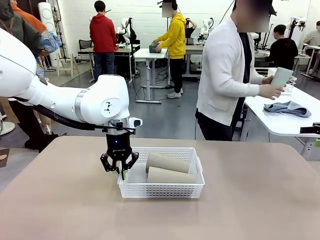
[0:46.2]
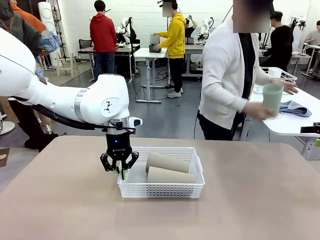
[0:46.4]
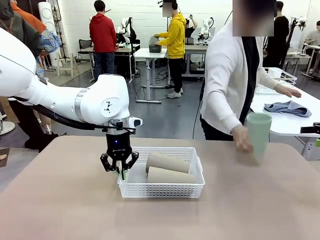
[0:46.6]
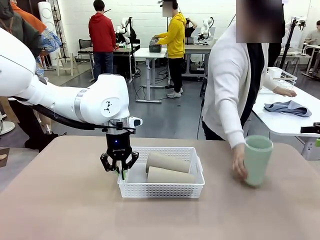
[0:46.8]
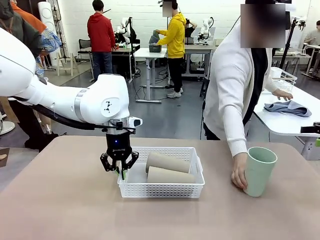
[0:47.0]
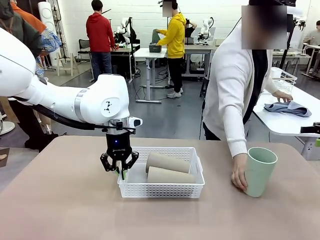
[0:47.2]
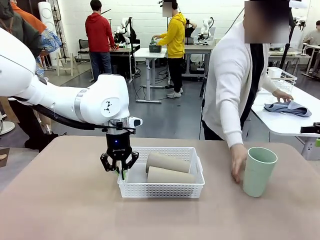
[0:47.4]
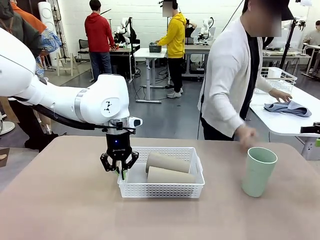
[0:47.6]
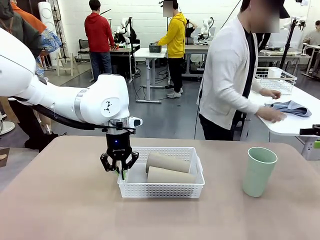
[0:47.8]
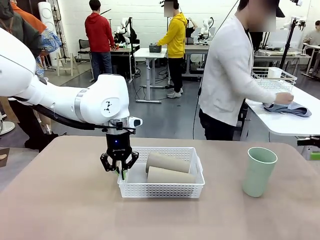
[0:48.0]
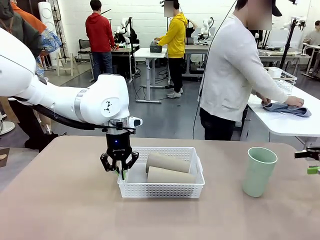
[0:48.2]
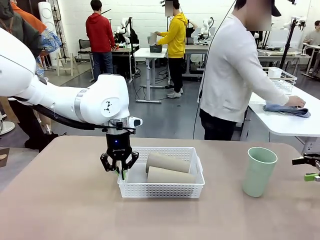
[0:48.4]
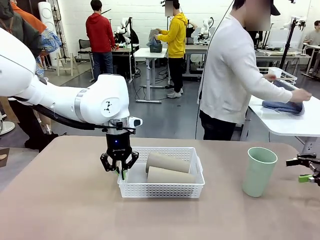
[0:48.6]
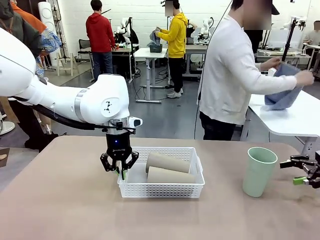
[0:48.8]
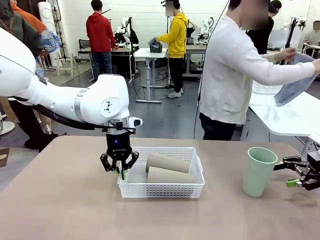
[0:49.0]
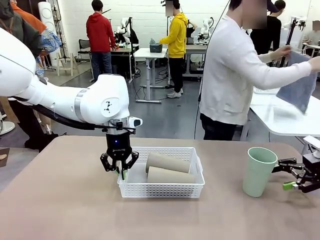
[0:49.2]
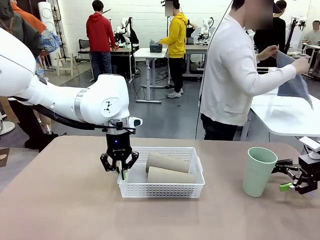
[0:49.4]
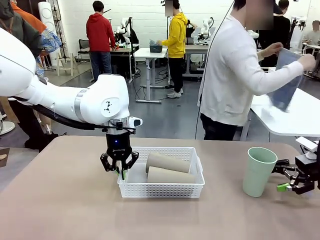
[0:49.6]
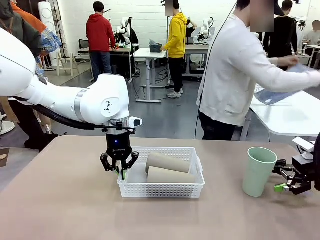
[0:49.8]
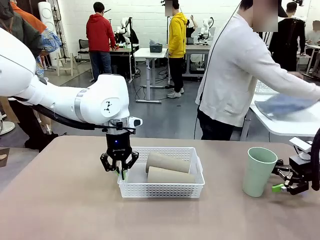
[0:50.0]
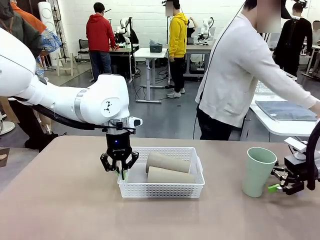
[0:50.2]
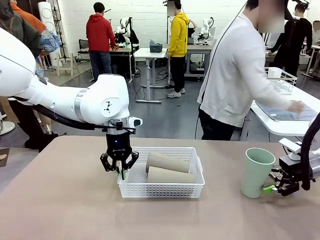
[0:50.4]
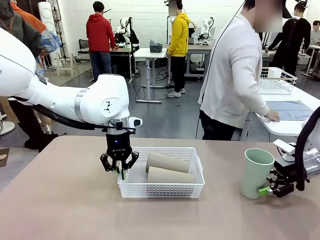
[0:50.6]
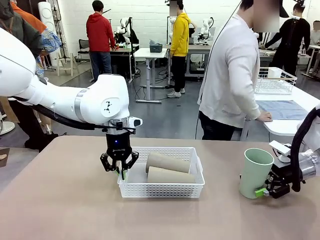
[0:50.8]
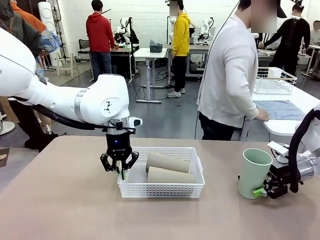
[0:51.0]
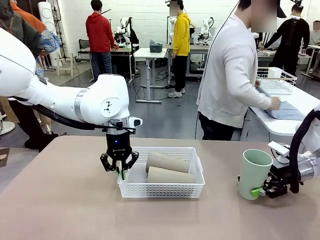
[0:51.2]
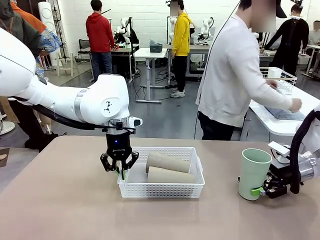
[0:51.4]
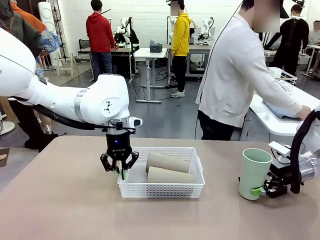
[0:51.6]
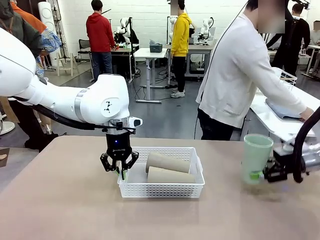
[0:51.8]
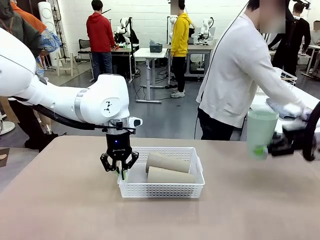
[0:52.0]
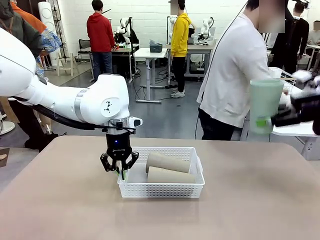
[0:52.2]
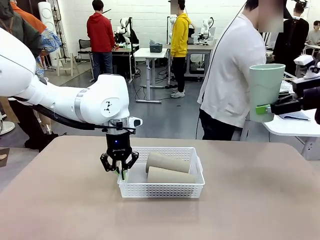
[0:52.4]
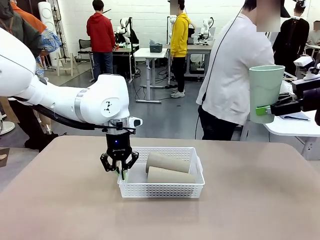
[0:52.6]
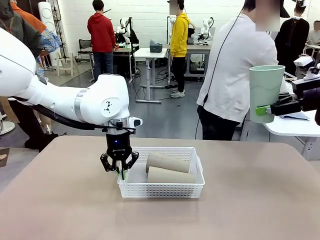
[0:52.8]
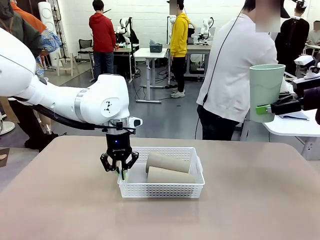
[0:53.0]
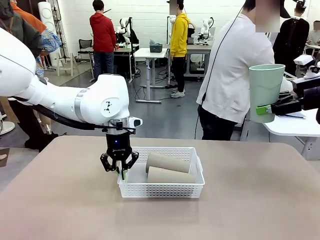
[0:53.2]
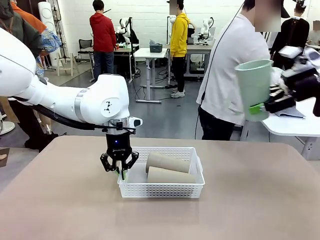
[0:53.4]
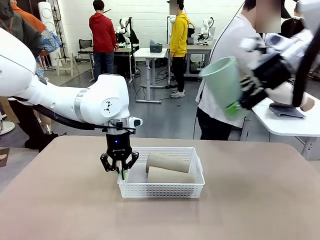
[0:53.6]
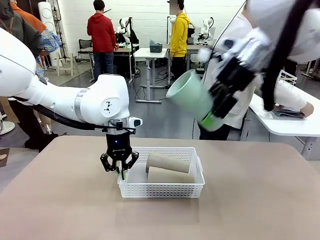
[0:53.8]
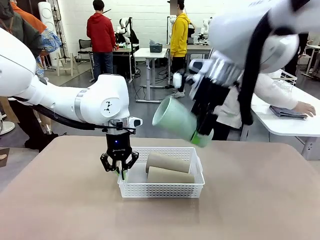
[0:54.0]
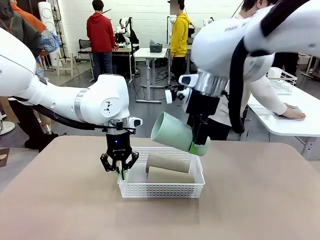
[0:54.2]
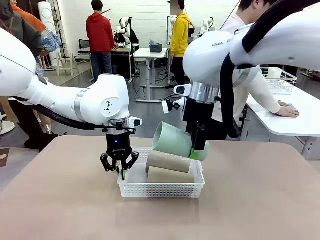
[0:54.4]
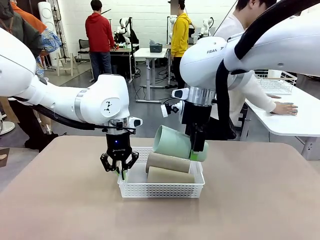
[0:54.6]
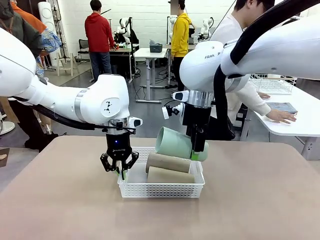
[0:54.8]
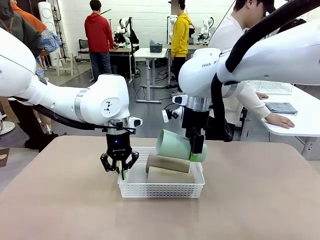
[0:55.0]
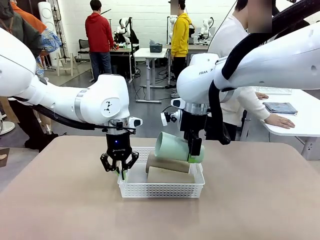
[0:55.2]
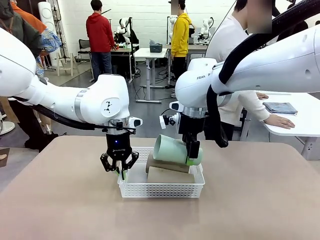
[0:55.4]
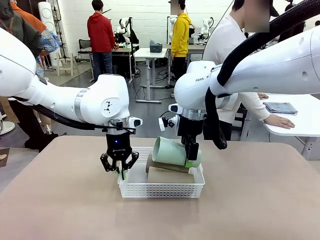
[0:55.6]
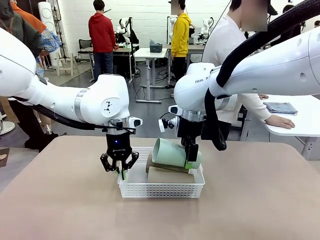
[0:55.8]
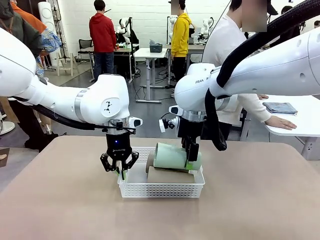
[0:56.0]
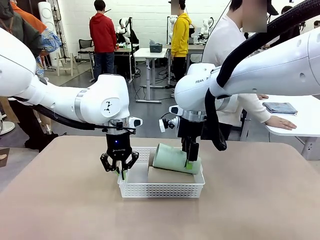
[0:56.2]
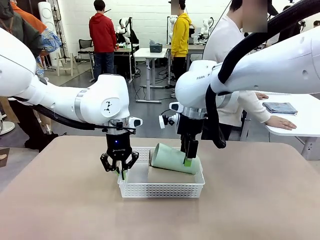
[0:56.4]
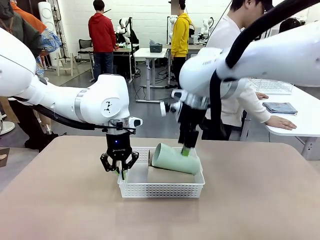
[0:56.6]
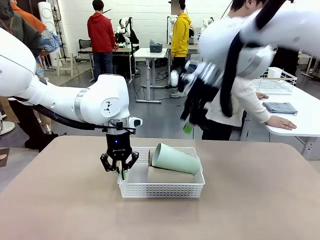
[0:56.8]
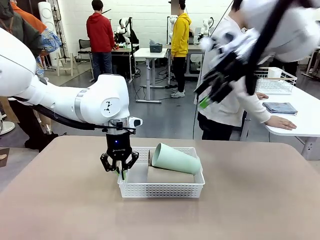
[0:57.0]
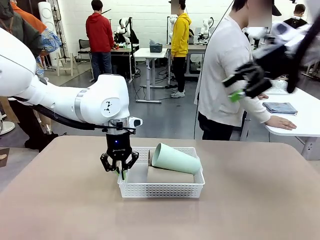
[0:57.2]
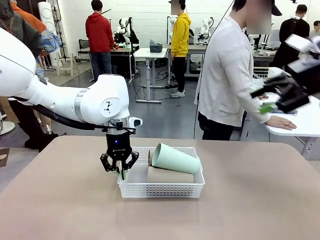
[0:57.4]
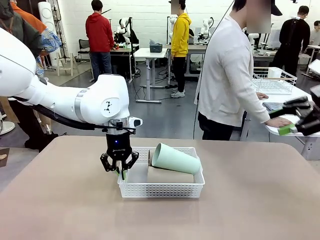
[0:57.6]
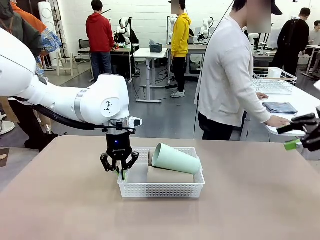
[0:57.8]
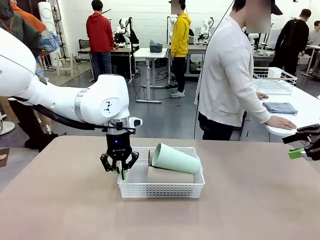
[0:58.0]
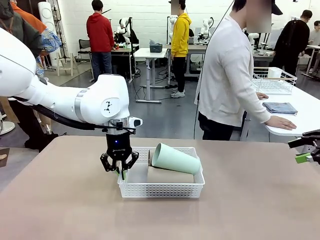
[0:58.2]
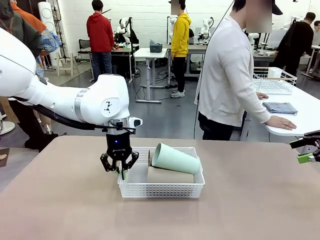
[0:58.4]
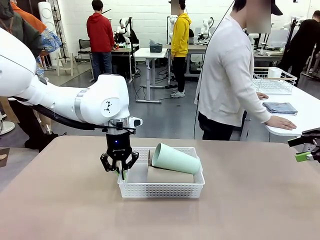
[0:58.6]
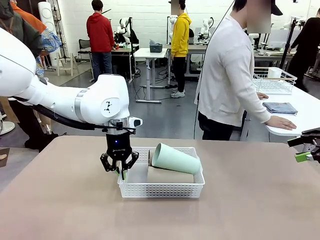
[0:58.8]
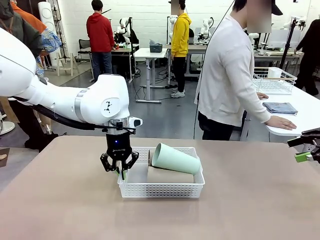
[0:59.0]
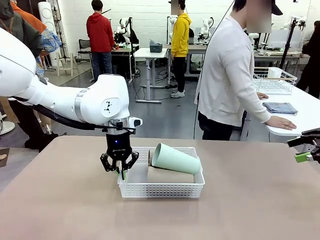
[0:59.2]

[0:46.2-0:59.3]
Task: Clean and organize the cups into the basket.
Robot: Pick up the Reusable plastic cup from the right side of the table and stack it inside the Organizing basket in the center of the table.

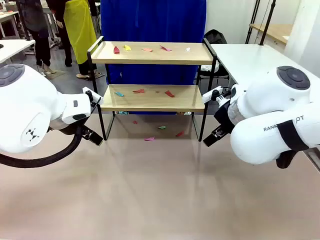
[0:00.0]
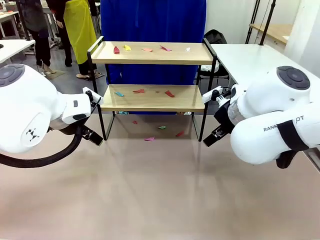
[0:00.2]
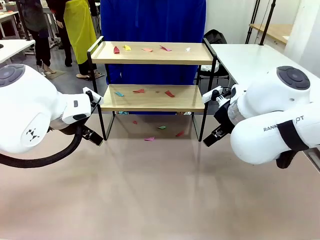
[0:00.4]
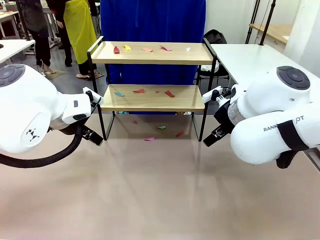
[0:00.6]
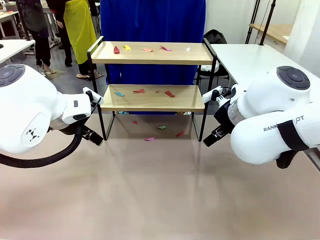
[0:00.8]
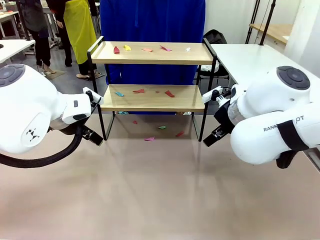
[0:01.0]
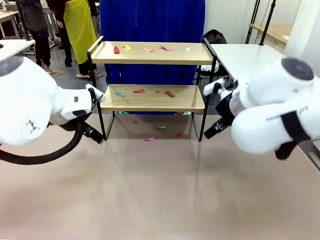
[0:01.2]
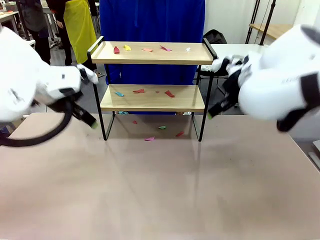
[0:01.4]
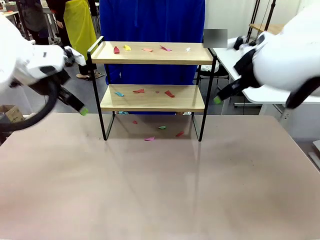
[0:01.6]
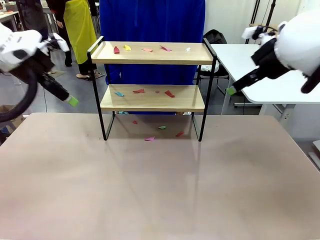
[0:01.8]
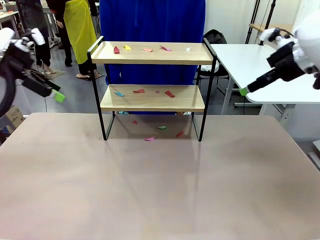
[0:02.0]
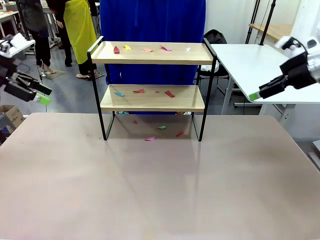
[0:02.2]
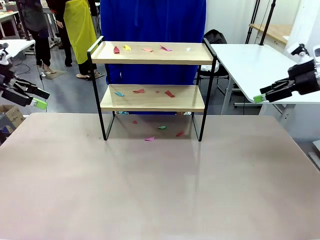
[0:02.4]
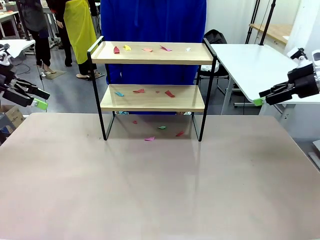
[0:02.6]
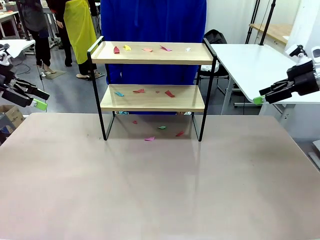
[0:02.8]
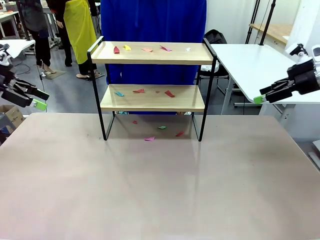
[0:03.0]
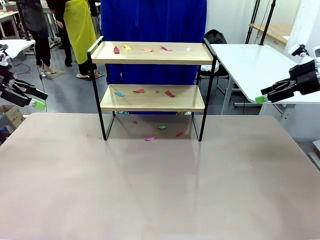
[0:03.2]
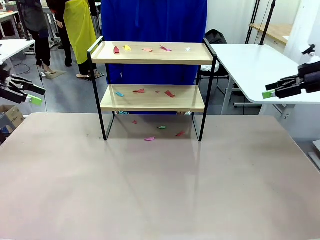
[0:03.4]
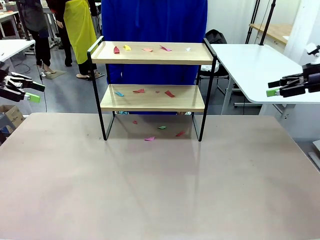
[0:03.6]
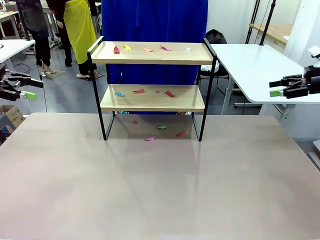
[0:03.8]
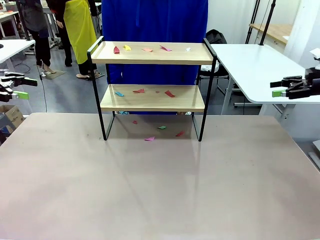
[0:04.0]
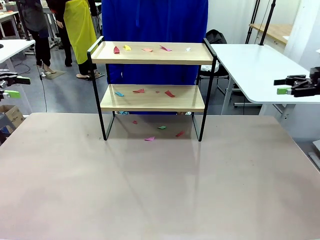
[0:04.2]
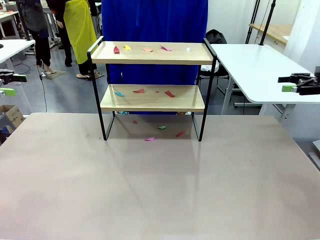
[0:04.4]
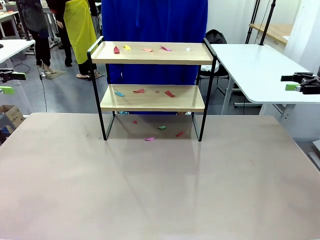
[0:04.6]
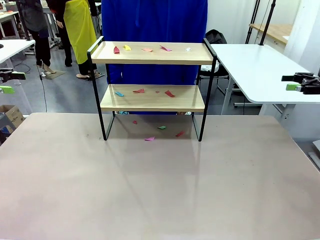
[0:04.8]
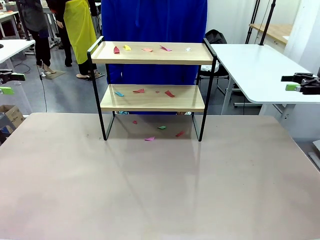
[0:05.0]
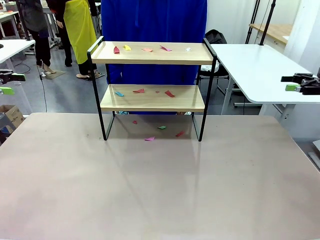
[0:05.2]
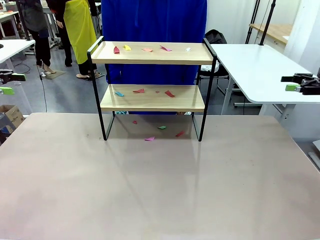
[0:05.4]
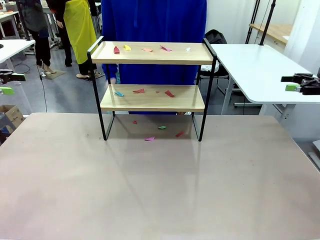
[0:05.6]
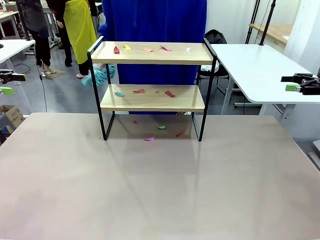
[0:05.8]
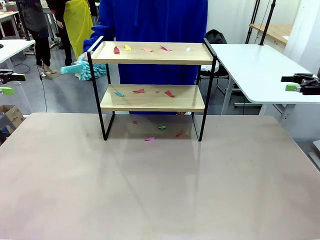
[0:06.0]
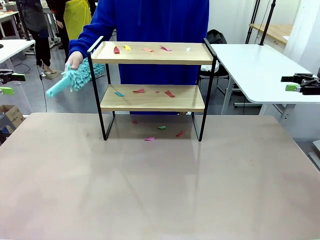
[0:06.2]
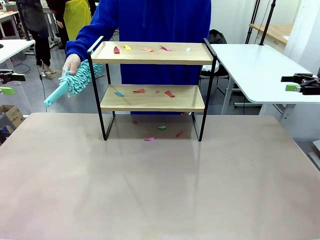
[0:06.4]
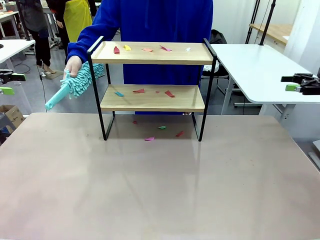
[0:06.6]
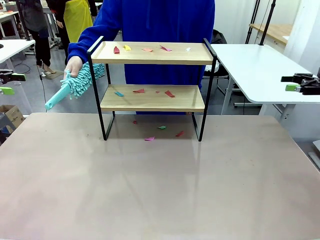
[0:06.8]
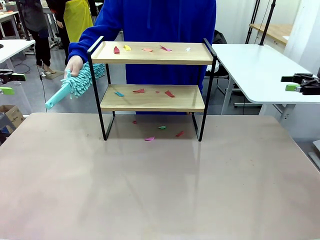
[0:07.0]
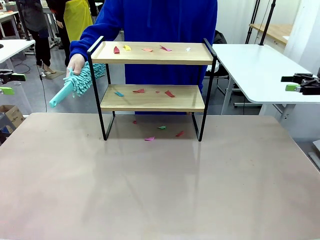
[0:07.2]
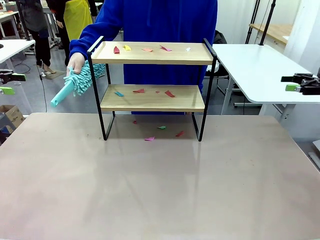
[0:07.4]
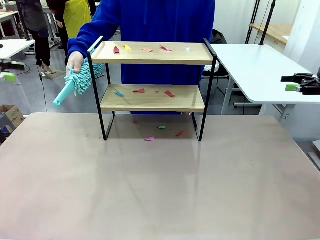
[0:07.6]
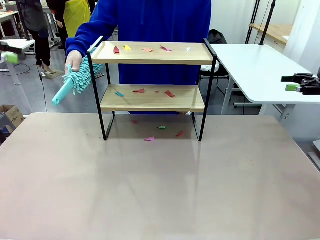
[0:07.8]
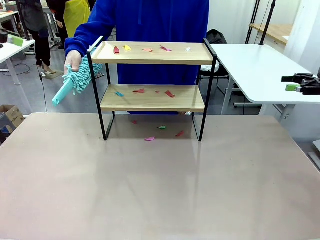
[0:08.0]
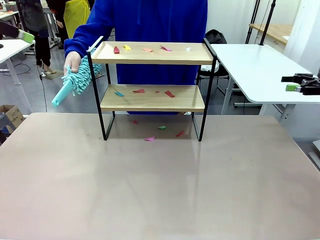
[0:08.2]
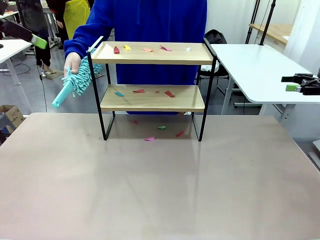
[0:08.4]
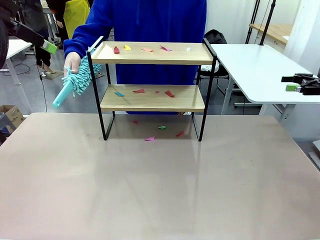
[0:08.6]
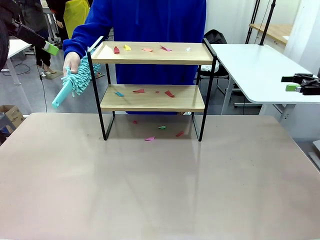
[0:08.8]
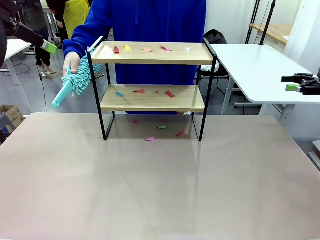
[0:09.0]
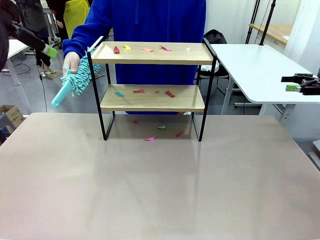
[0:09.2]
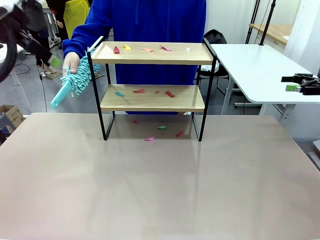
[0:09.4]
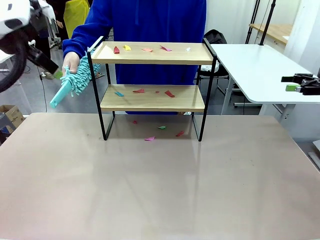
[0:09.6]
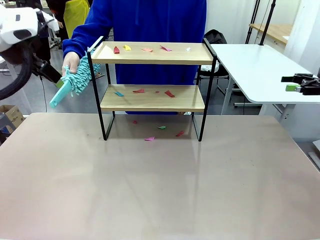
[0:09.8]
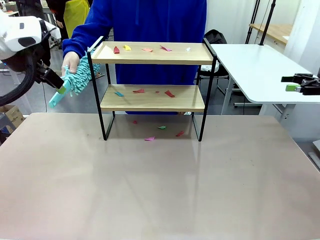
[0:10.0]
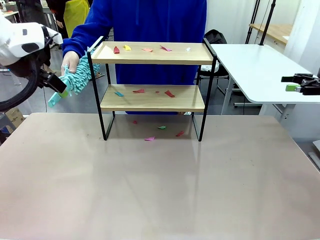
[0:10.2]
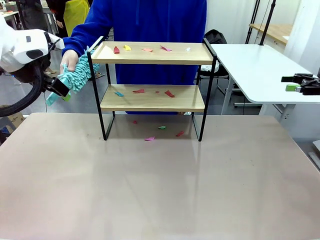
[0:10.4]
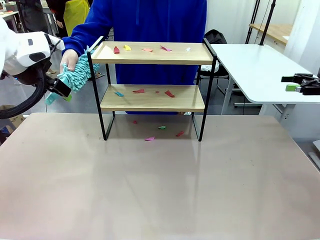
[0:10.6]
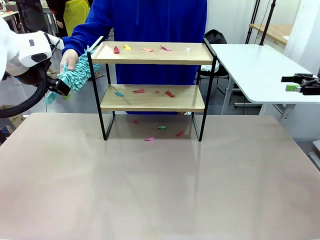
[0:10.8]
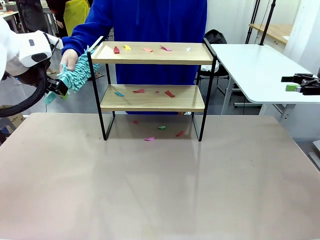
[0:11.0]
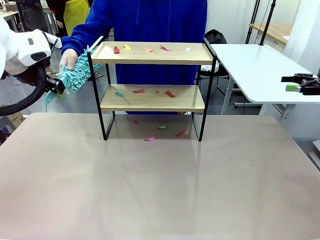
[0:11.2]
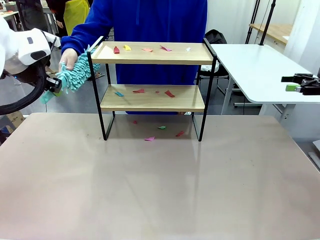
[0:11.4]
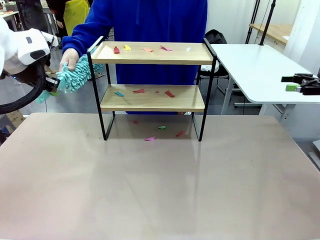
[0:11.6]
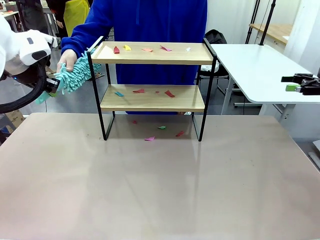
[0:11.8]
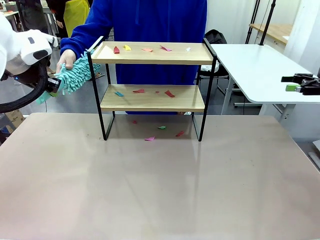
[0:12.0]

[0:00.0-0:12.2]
Task: Clean the shelf.
Robot: Pick up the Duster handed by the human.
Person: Hand the Duster to the robot.
